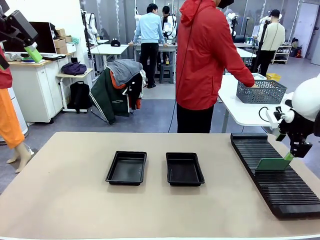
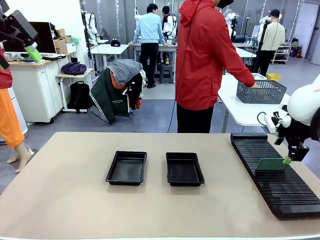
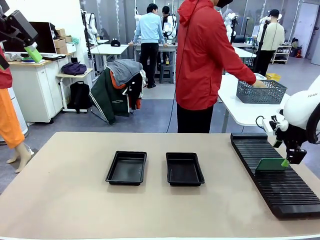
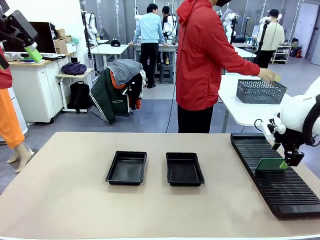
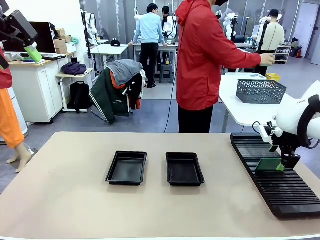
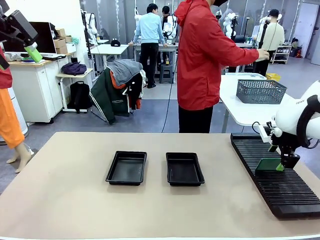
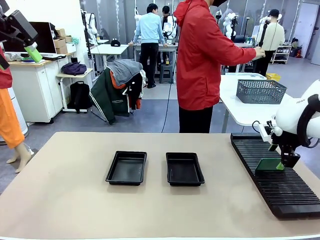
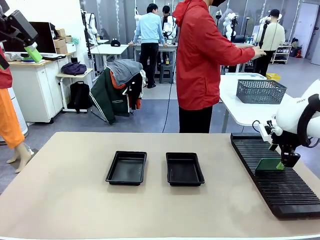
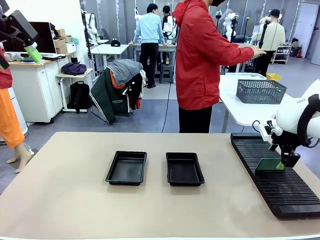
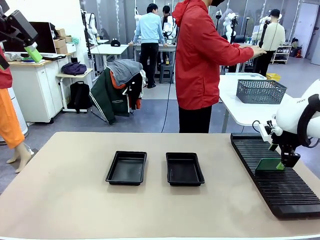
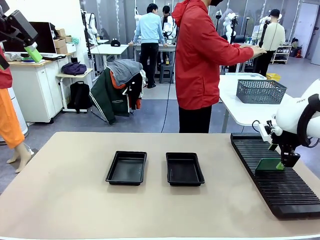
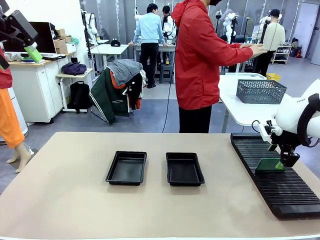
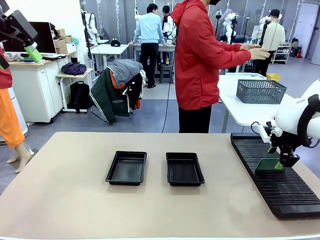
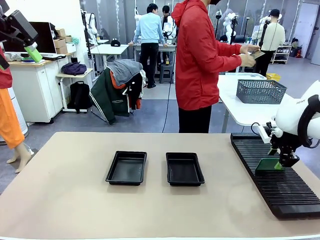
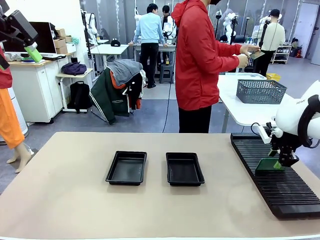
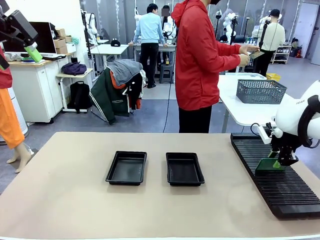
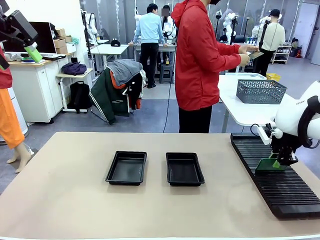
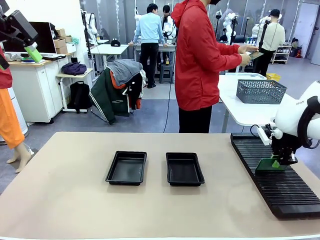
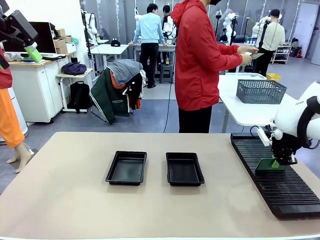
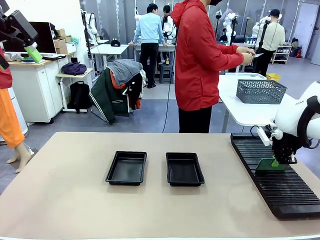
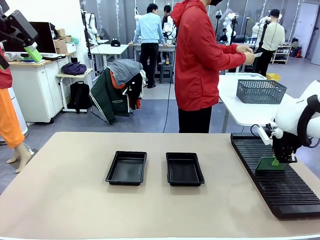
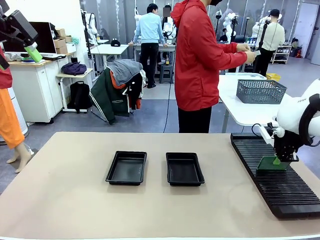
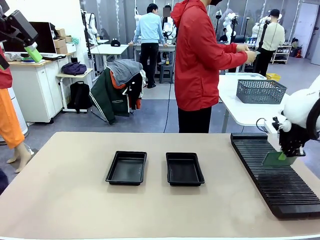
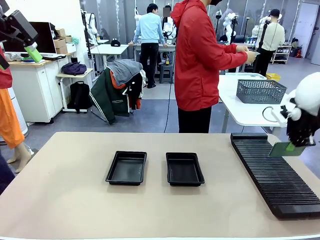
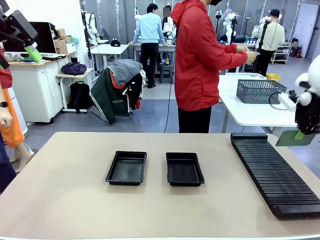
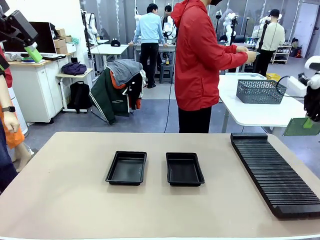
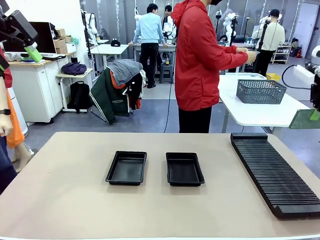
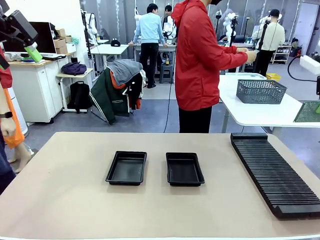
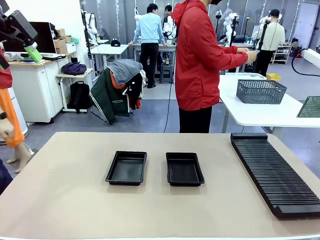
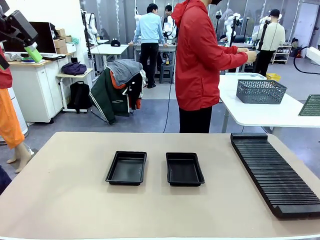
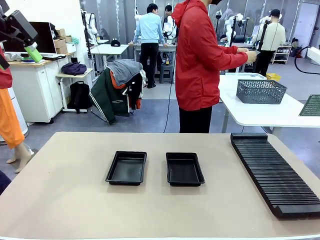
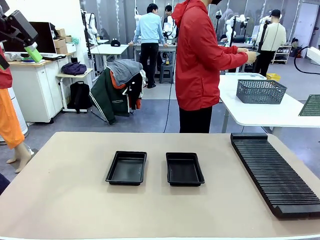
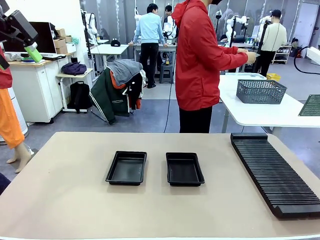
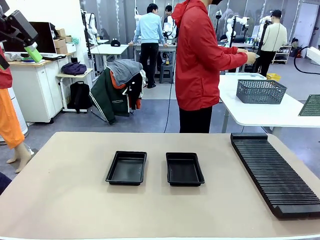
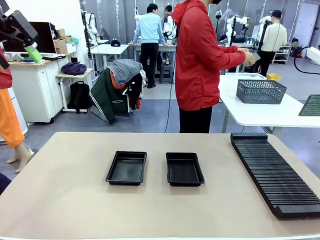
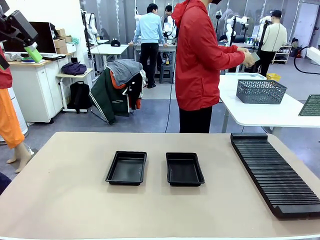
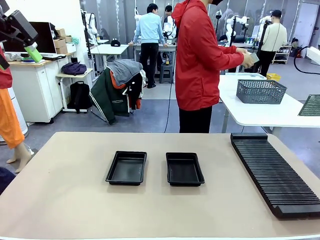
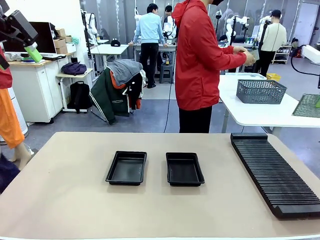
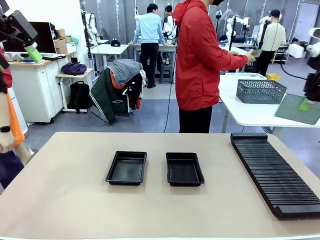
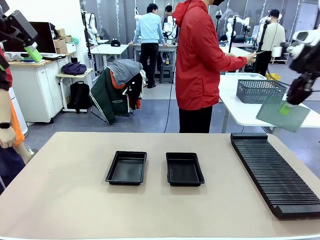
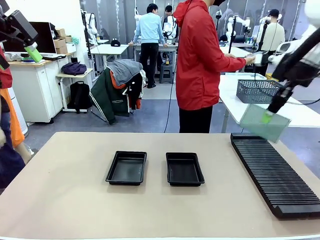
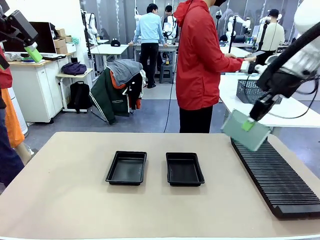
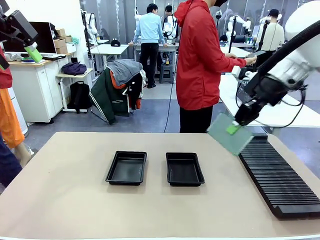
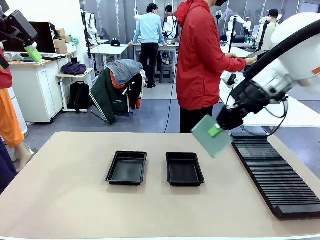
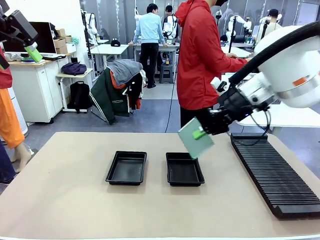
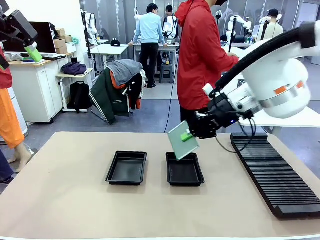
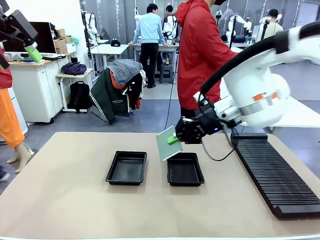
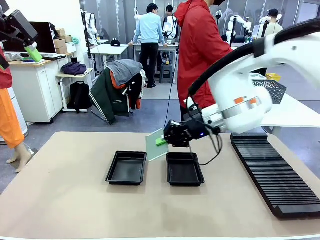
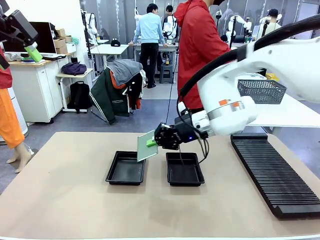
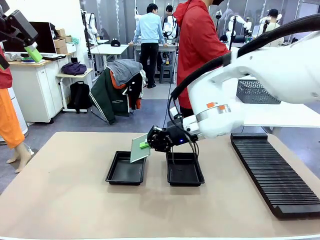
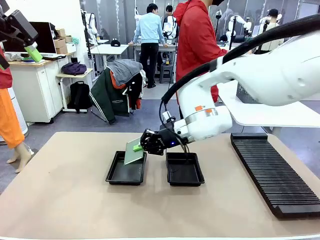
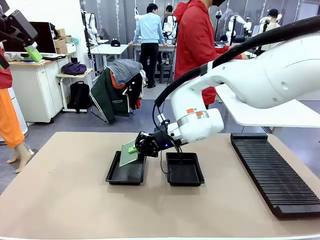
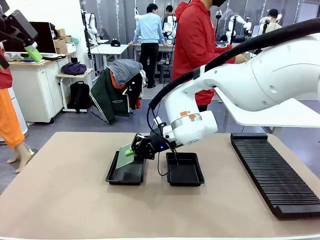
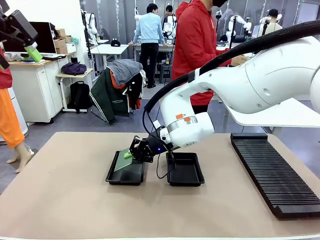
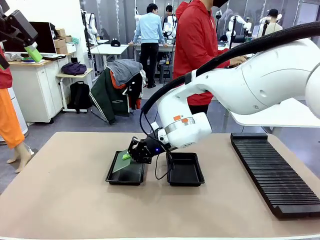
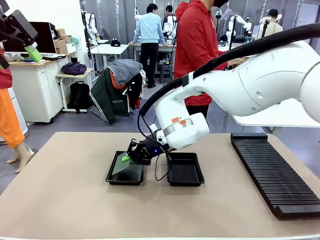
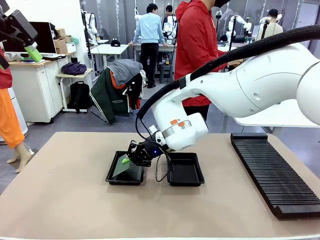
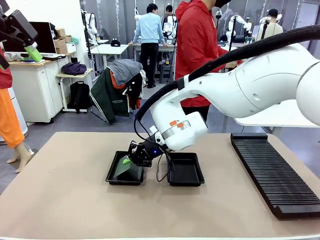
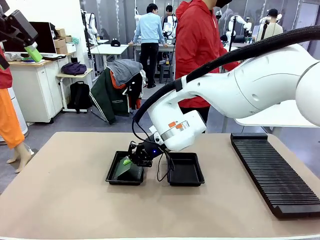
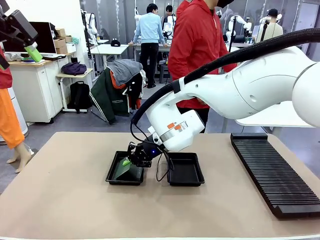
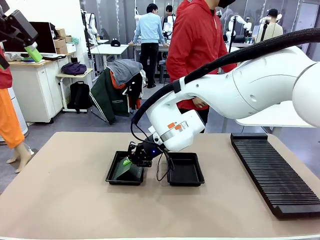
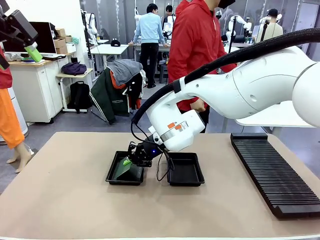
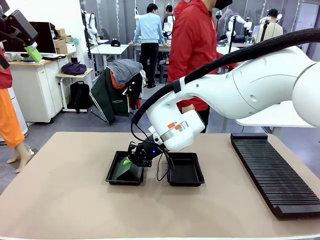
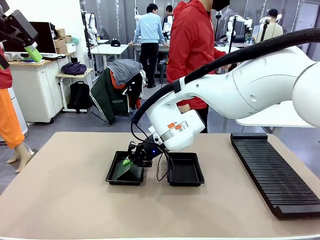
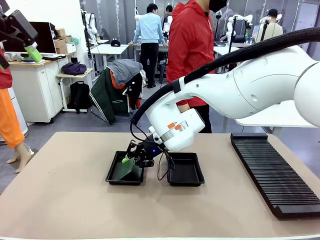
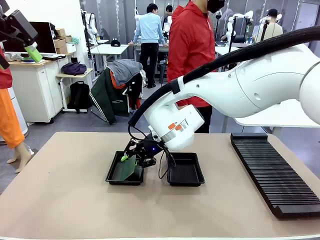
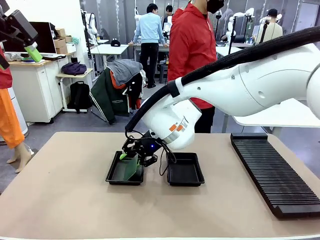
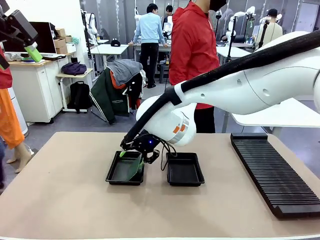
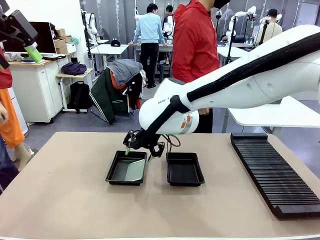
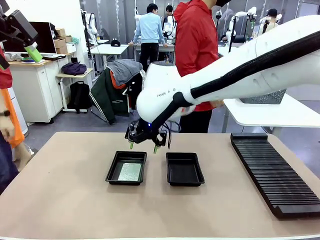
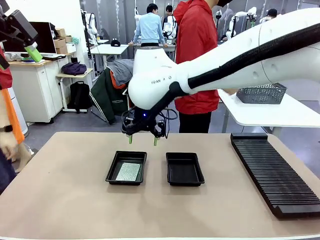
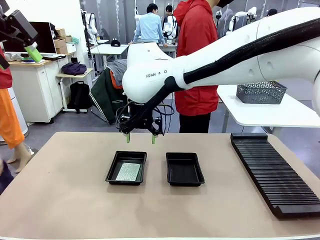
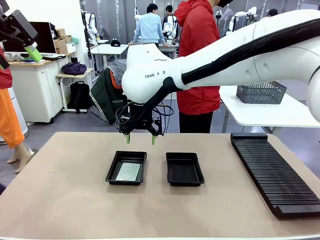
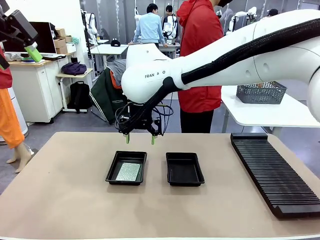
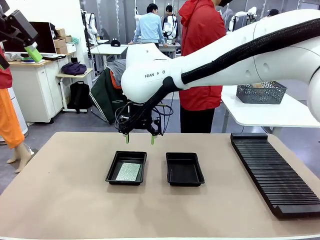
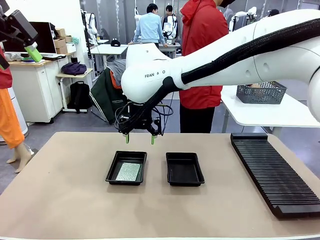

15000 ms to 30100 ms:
Task: Inspect and transfer BCBs to ESD trays.
Robot: Pick up the Blank PCB from the PCB Rack and place it in the left ESD tray.
